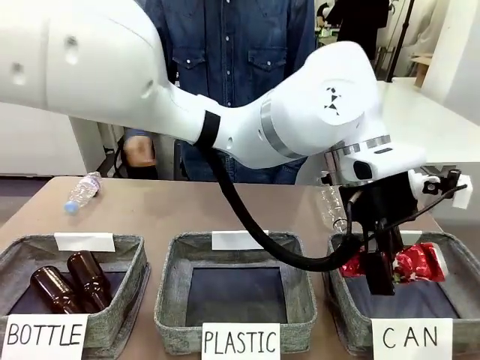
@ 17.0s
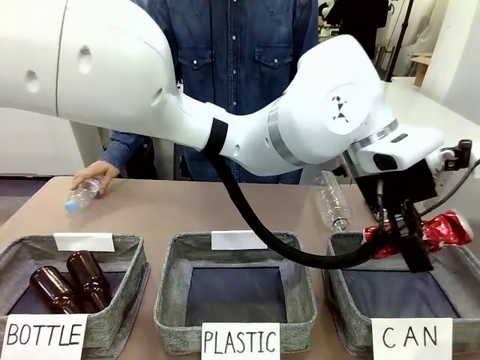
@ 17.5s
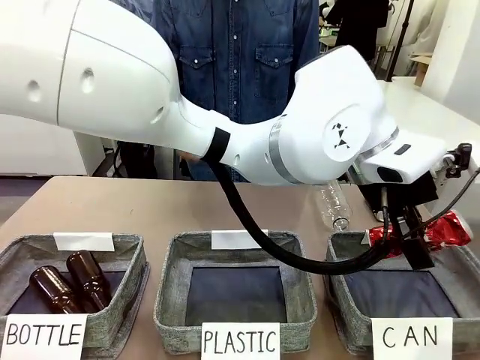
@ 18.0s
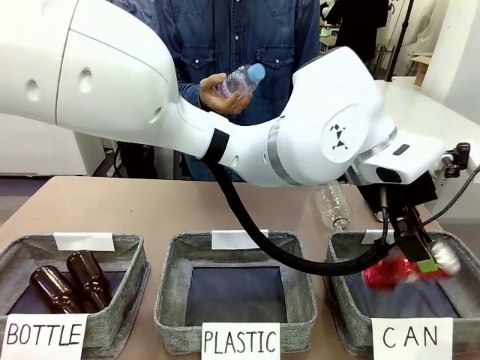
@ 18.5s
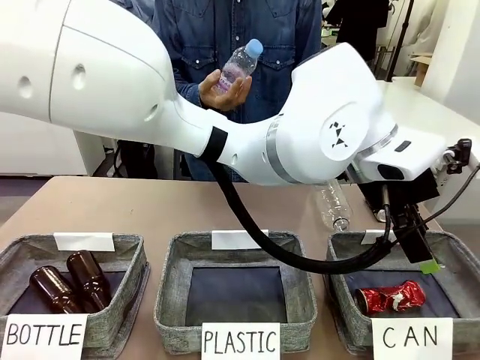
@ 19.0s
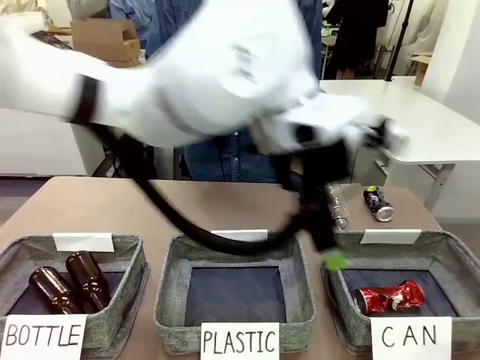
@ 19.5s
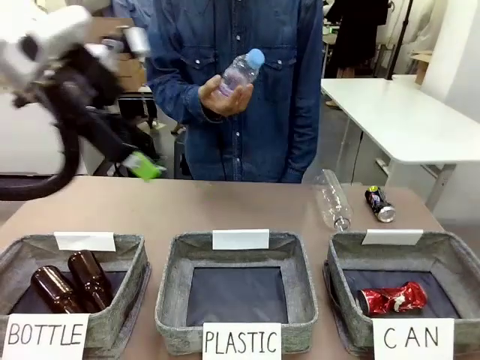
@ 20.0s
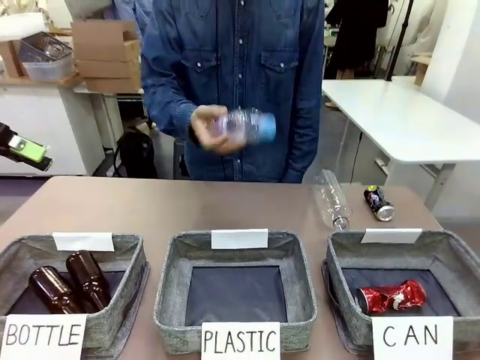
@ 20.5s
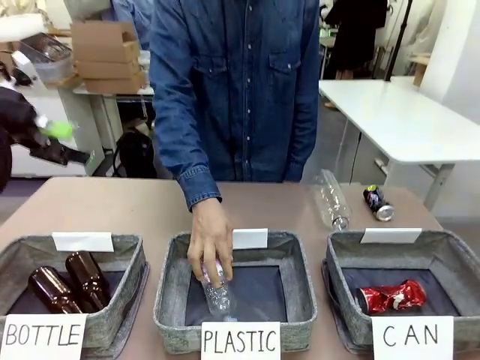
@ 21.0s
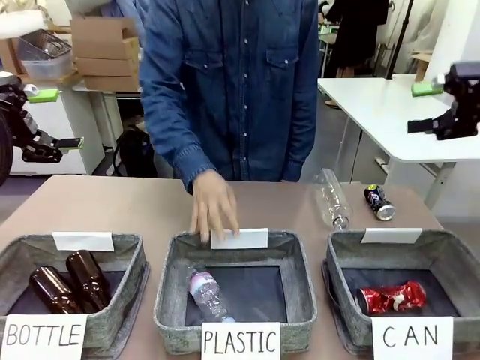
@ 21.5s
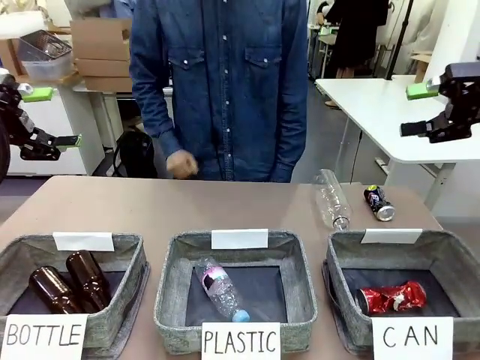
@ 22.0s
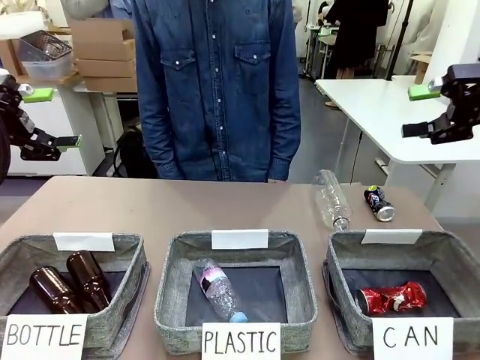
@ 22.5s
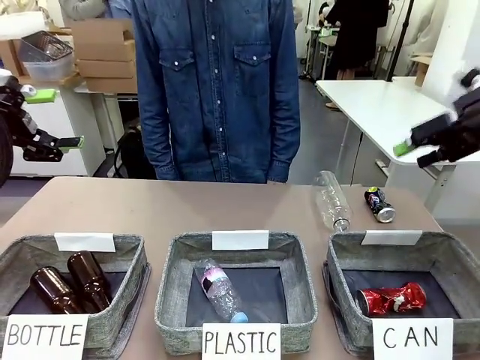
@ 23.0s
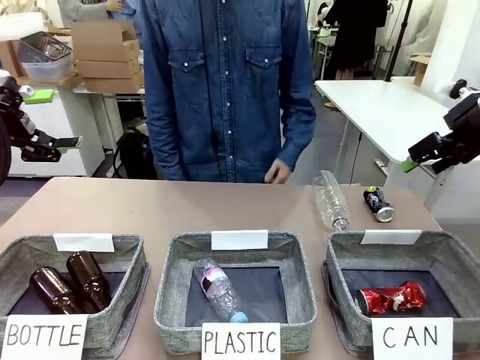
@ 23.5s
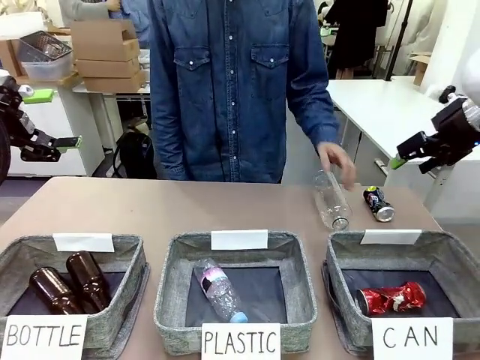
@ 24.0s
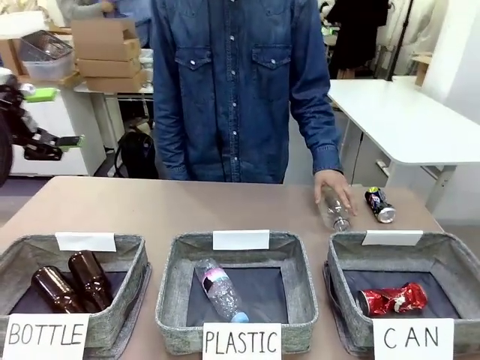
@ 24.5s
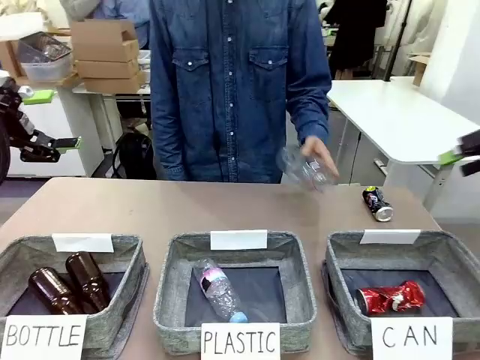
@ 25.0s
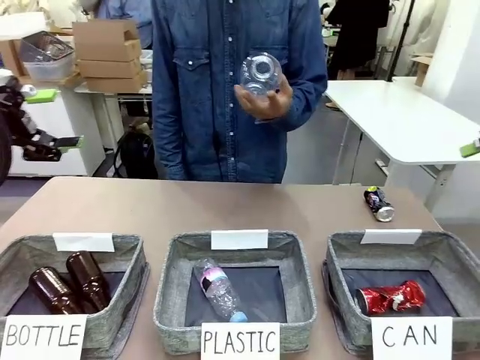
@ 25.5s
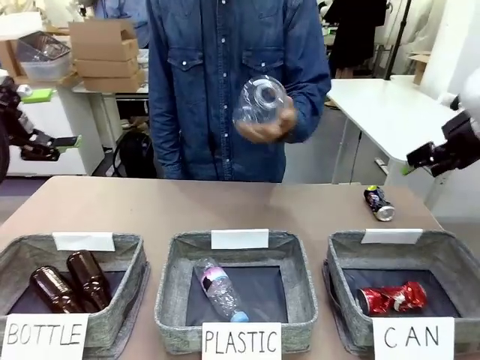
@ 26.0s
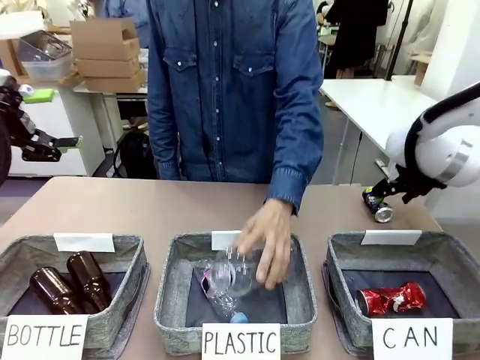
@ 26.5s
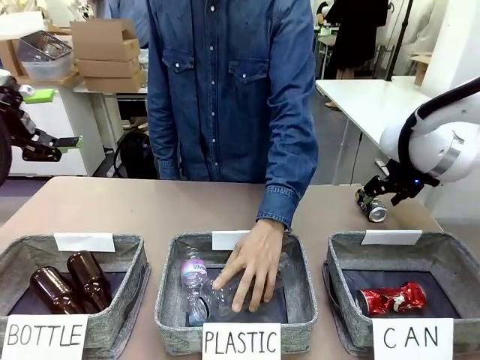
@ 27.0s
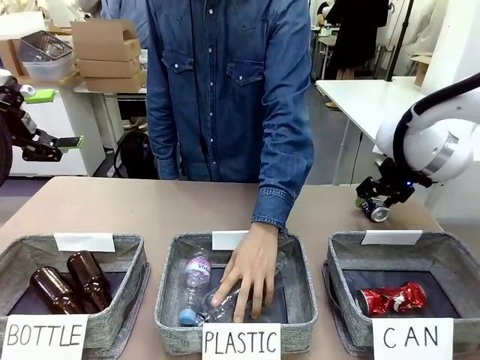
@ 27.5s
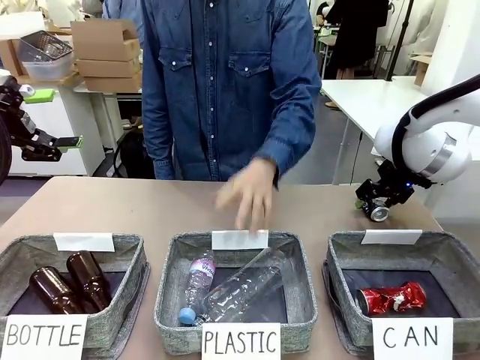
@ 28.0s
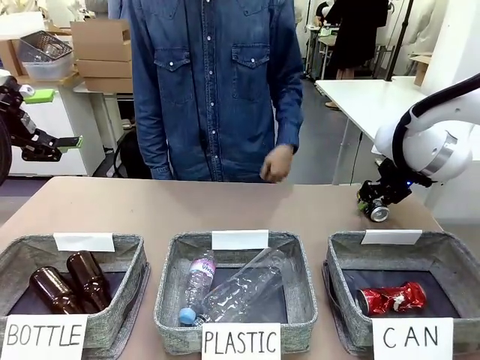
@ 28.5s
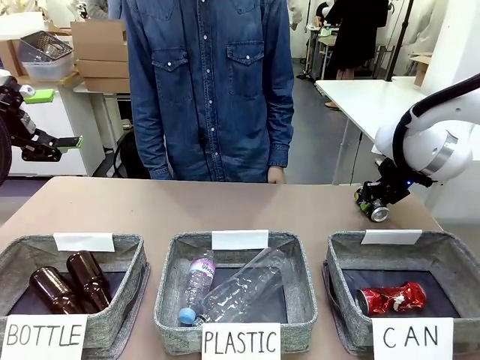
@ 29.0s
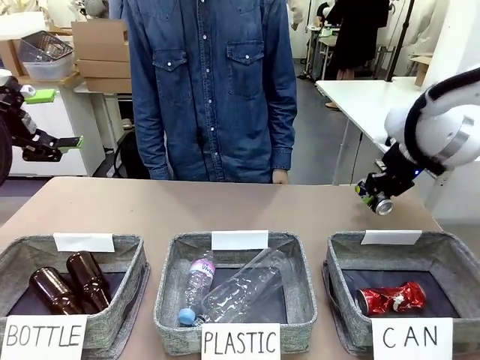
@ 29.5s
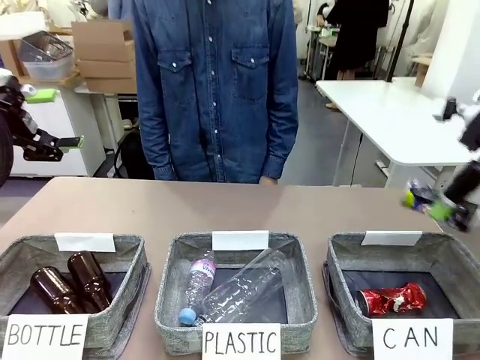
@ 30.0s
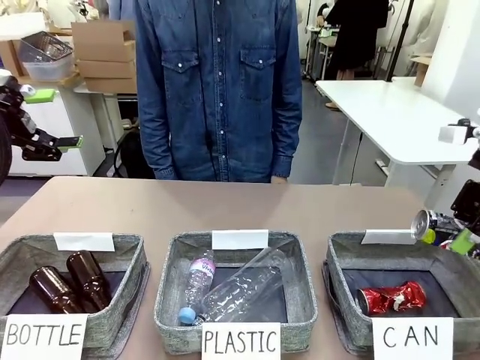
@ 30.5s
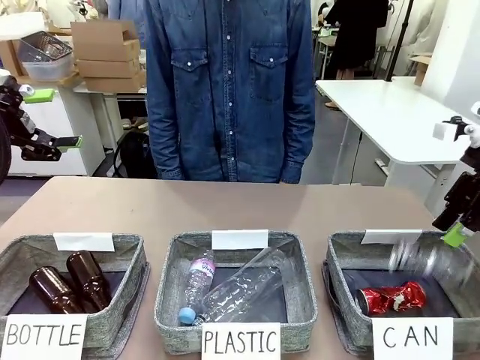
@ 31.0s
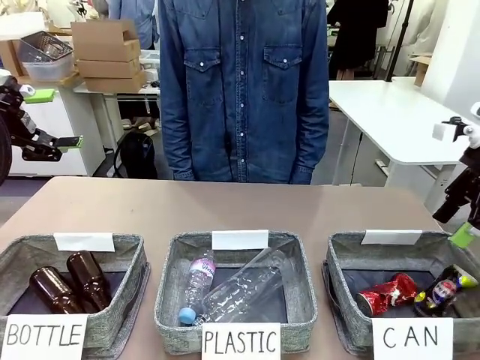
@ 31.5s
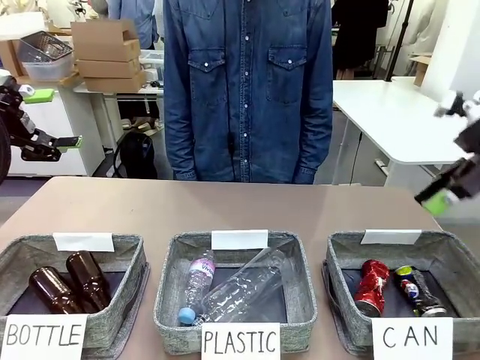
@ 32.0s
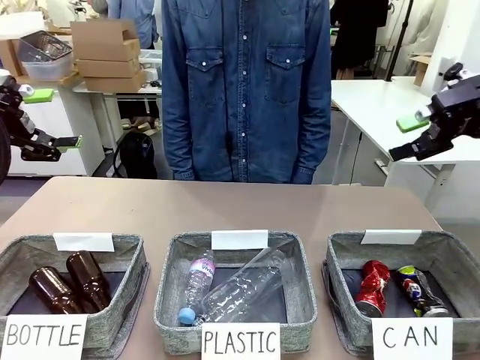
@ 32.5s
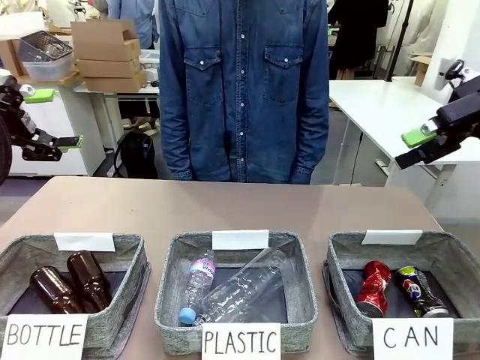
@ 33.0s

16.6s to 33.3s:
Task: Sort the can waste into the basket.
Robot: Pick up the can waste from the table and place it in the right Fabric basket.
Person: The human picks up one piece of trash that is not a can and places the trash into the appropriate organizing basket.

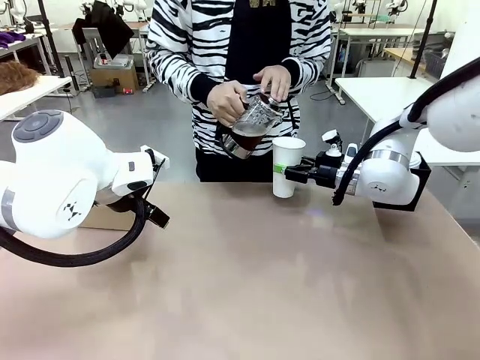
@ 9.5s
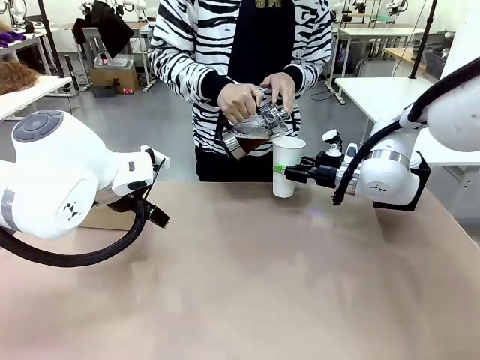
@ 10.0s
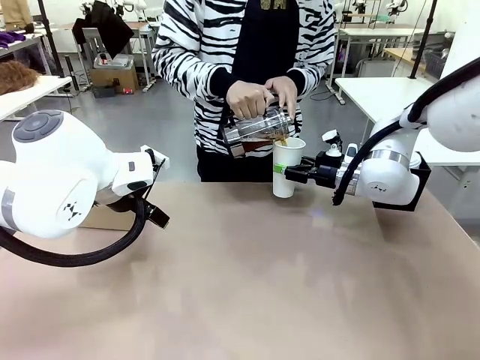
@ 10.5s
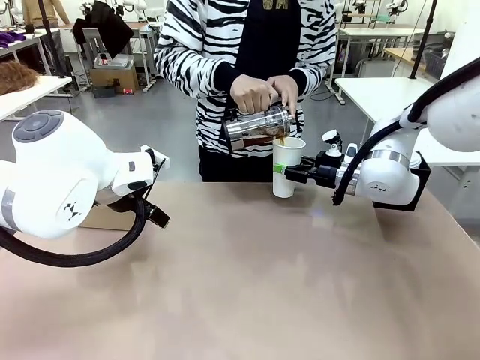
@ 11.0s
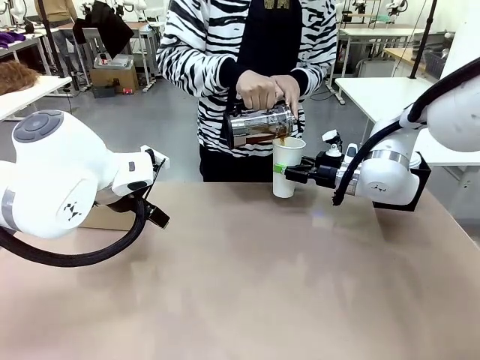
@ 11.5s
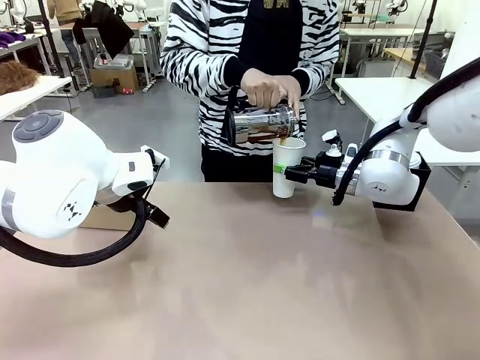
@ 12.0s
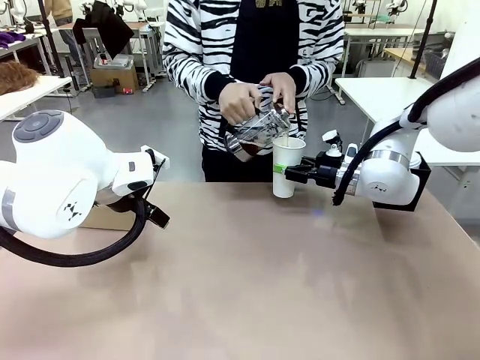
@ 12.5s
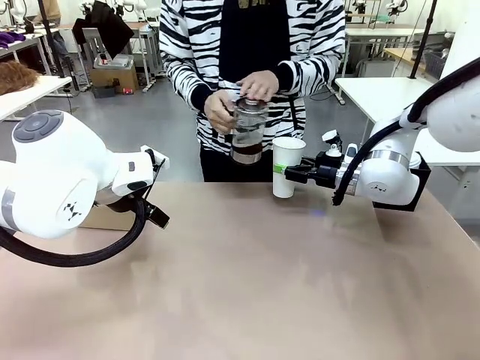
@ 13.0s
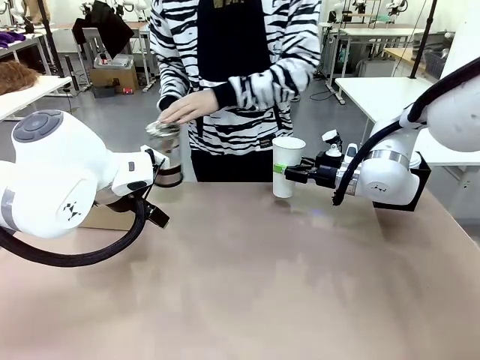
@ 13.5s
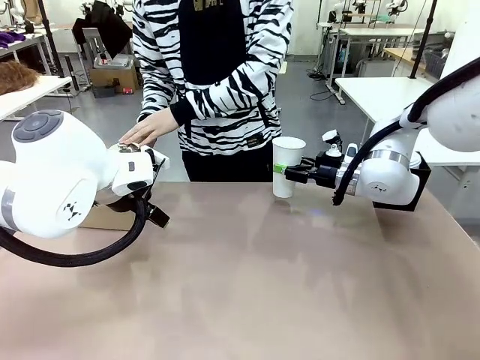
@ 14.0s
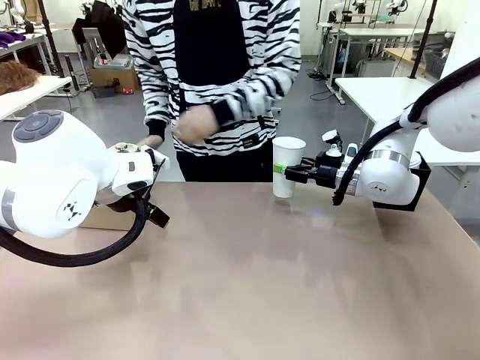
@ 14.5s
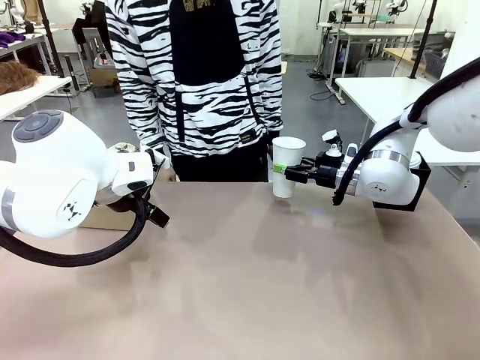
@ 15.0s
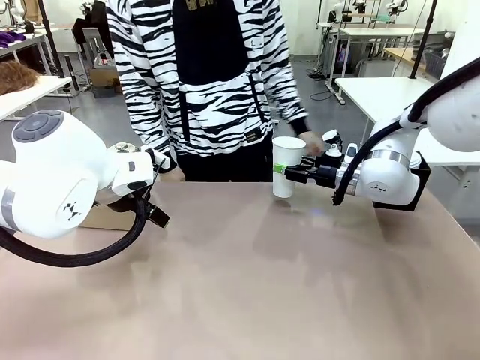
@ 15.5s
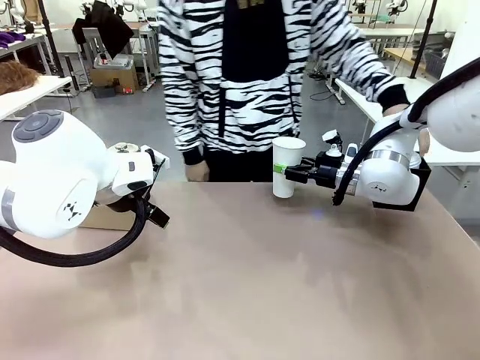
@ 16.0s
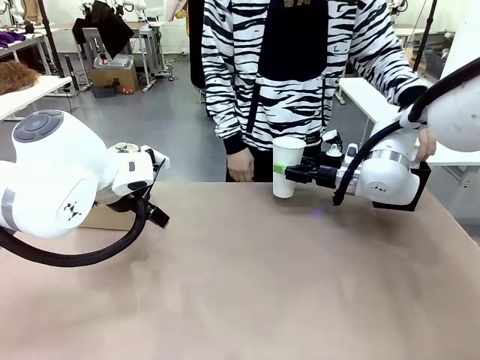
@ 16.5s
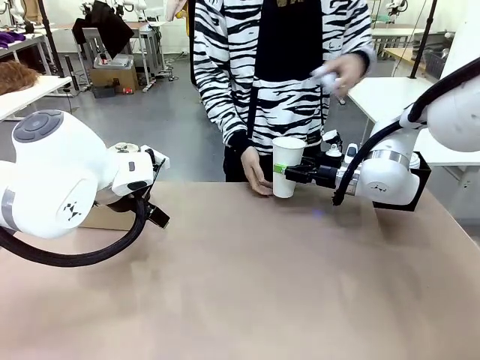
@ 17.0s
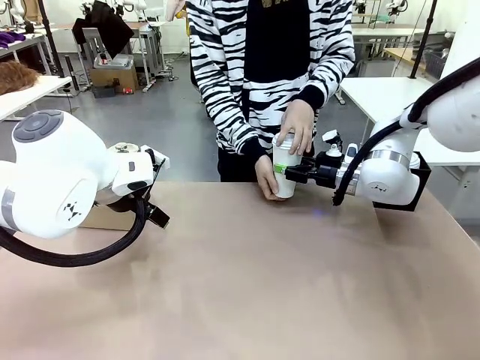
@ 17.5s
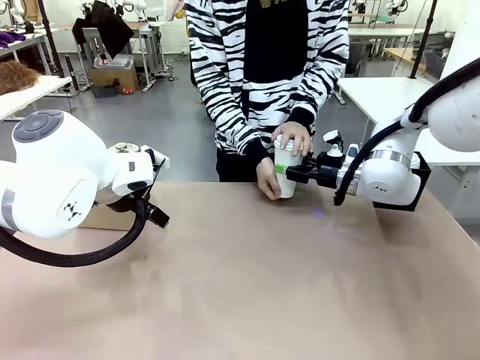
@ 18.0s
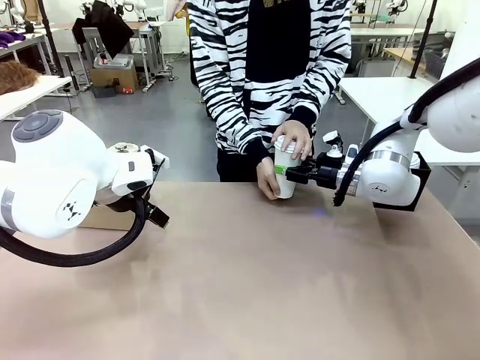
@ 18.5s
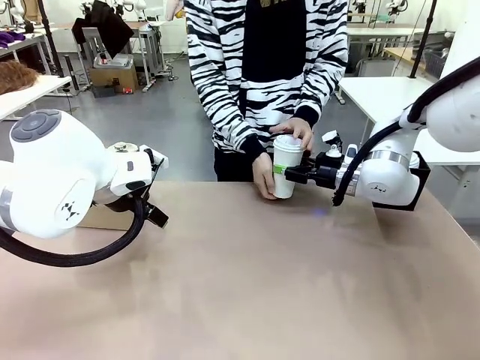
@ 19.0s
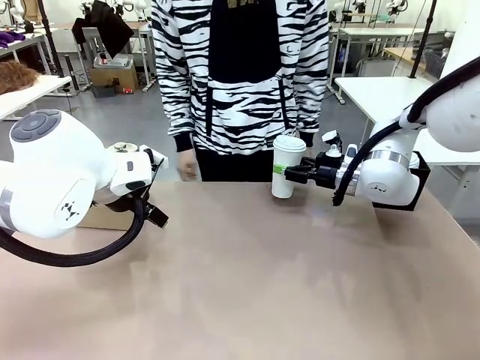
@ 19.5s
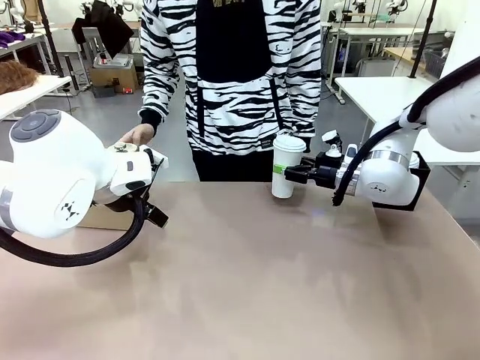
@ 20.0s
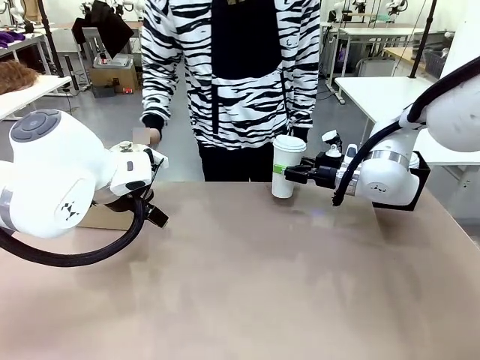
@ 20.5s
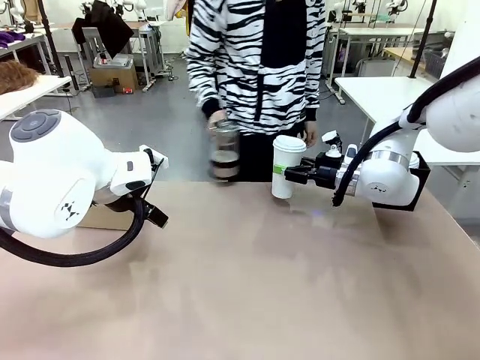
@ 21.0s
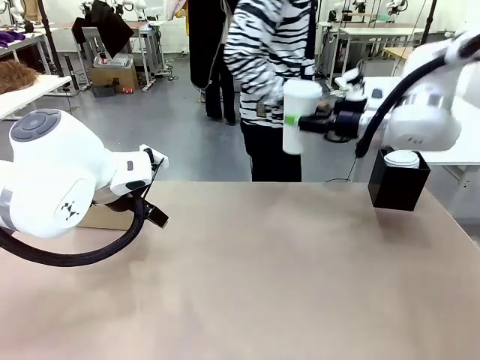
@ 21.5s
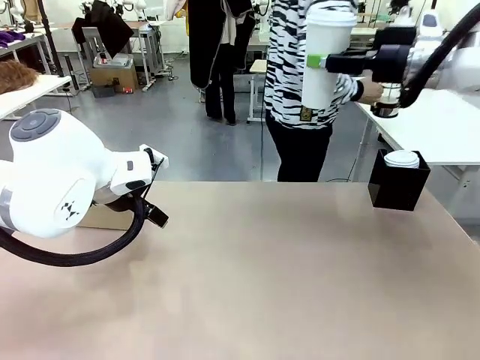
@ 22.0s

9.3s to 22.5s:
Task: Pour a drink into a cup and package it in a carrier.
Robot: When a person places the Paper Cup Lid on the 600 ml Paper Cup , lift the 600 ml Paper Cup.
Person: Pour the drink from the Filter Brewing into the 600 ml Paper Cup. Place a Paper Cup Lid on the 600 ml Paper Cup.
